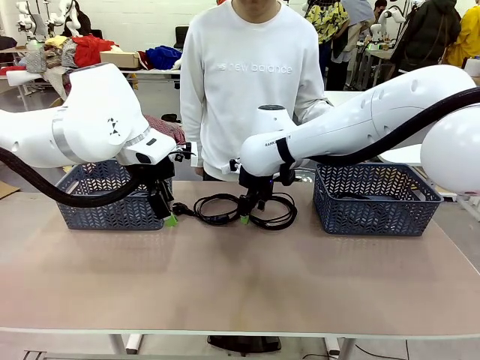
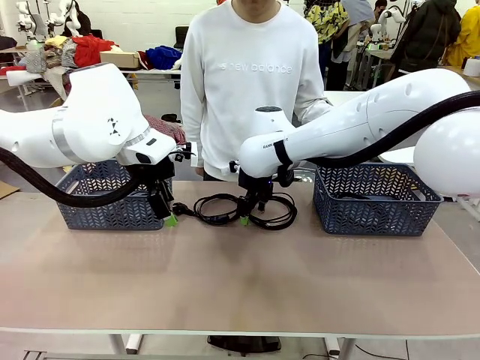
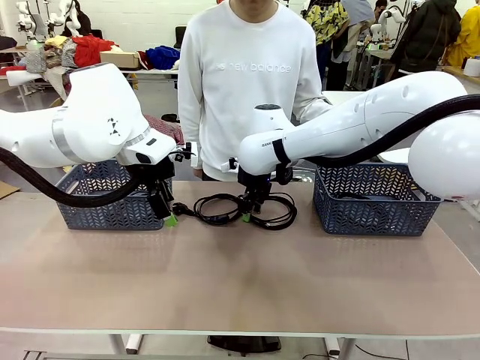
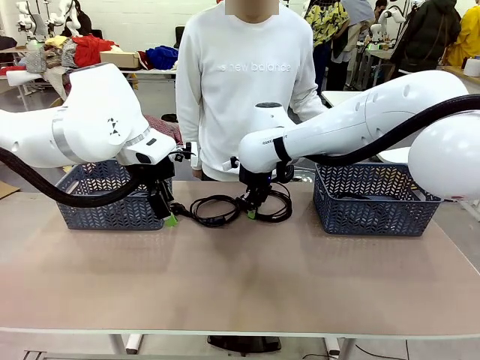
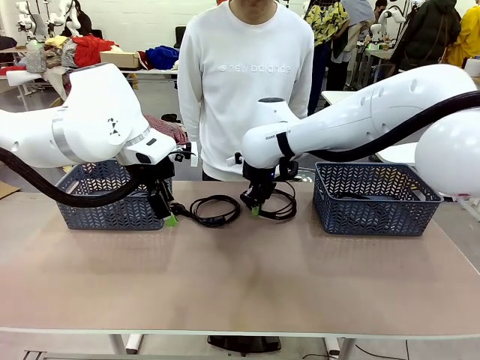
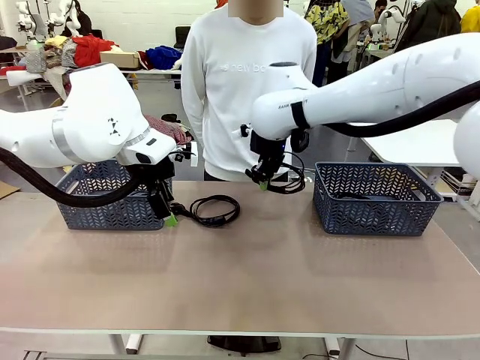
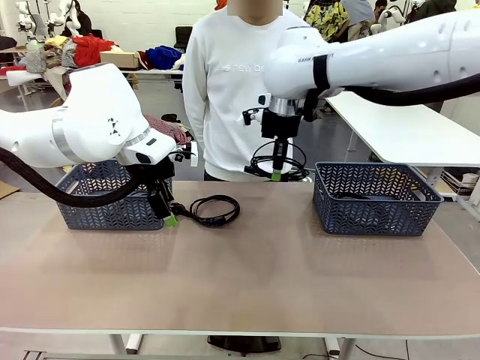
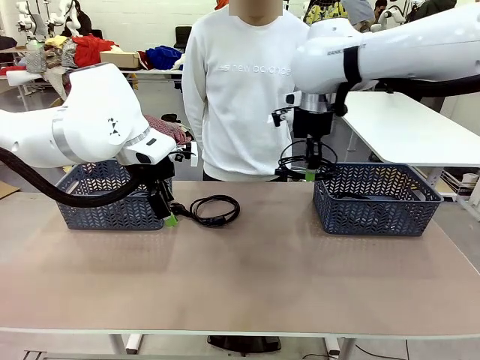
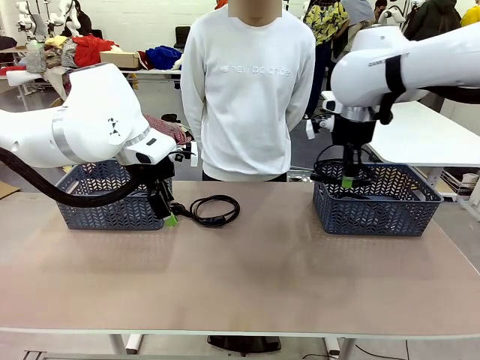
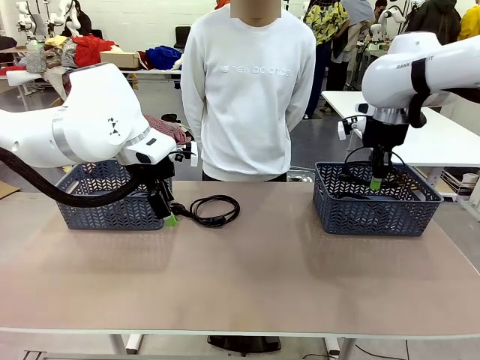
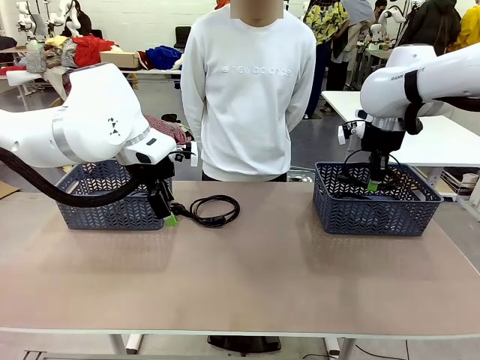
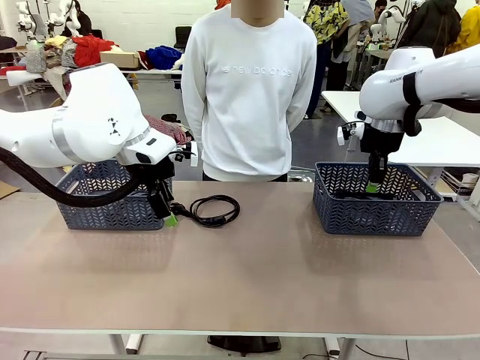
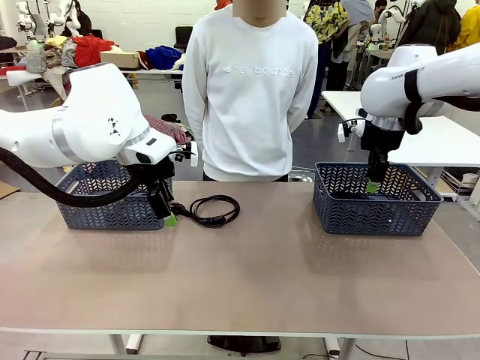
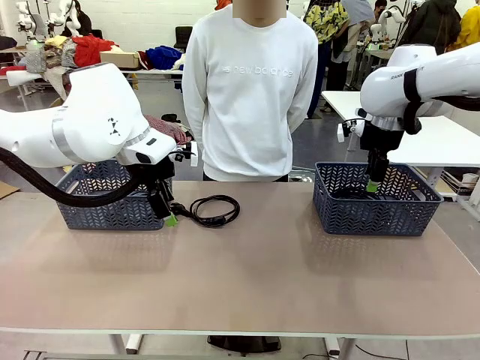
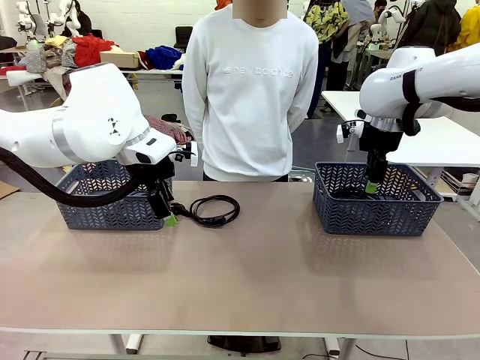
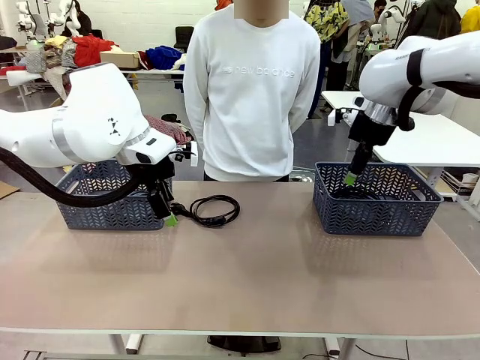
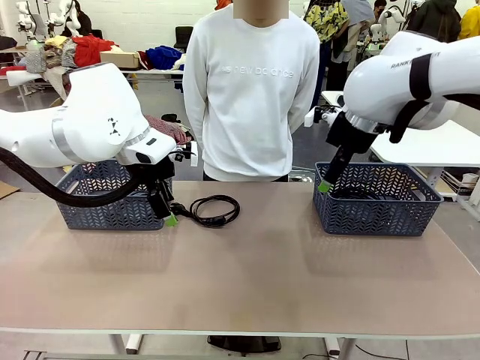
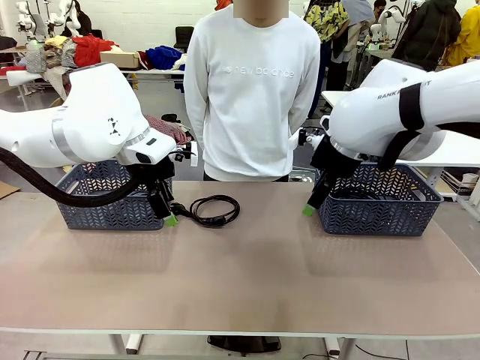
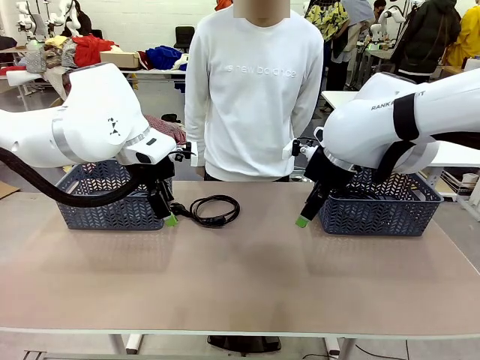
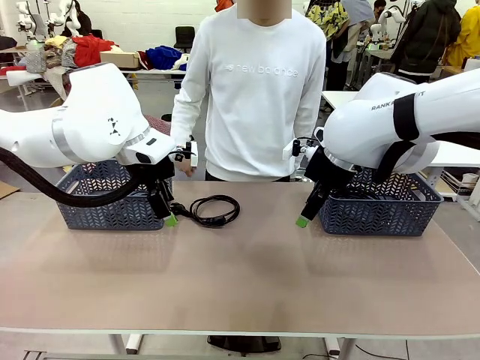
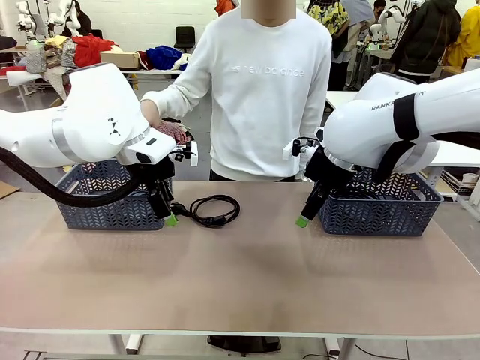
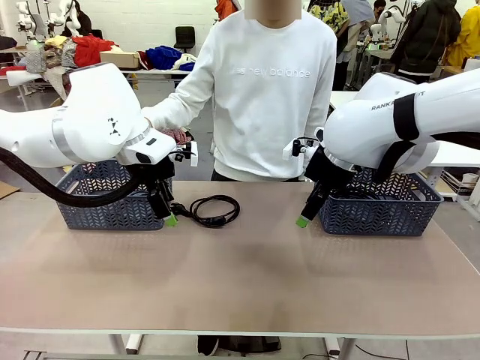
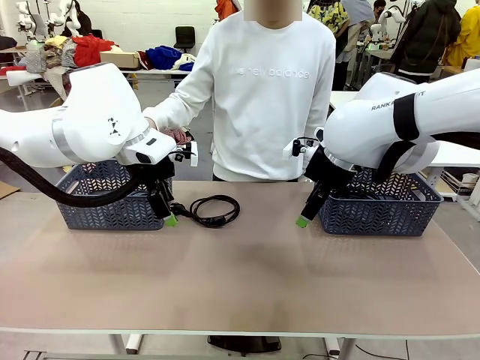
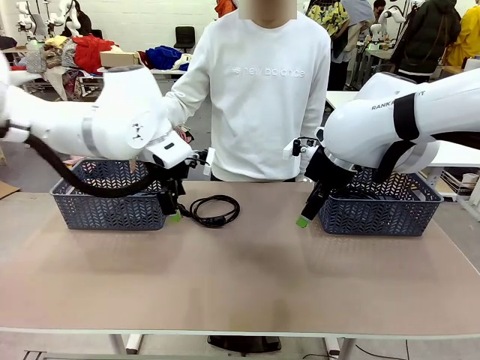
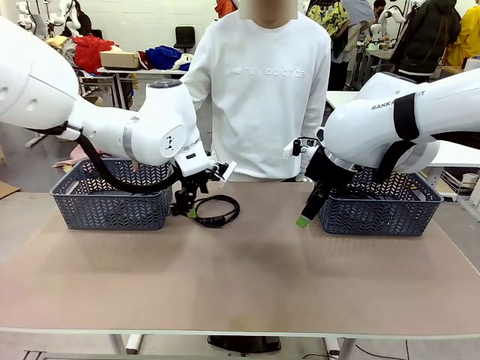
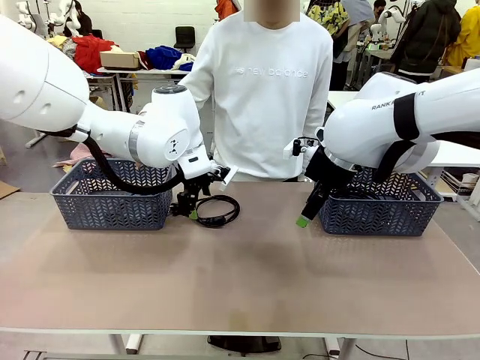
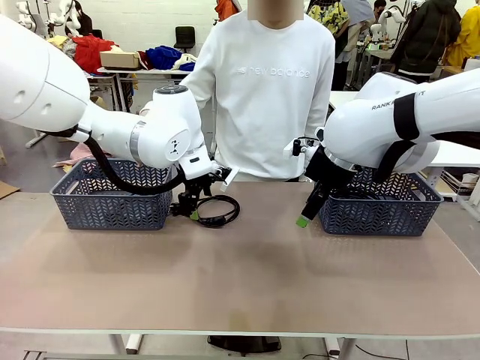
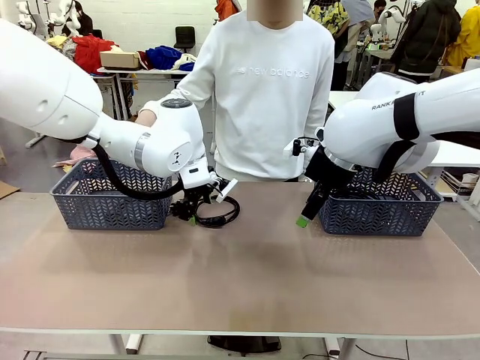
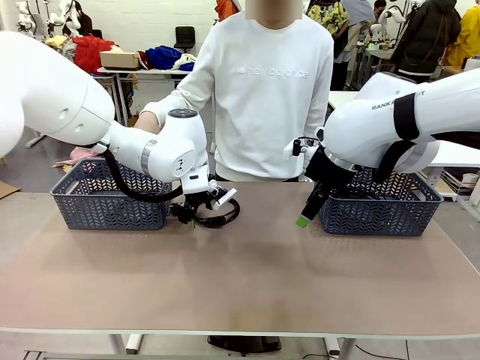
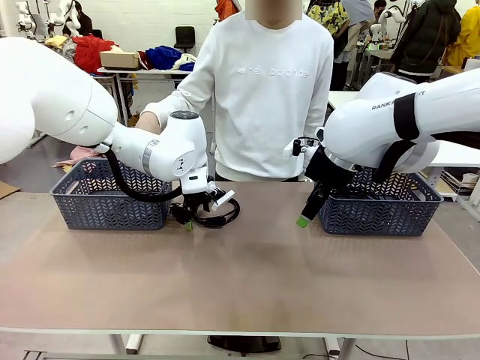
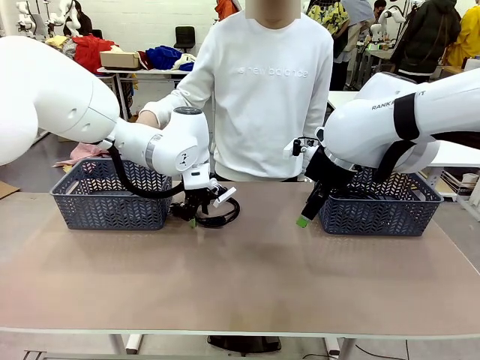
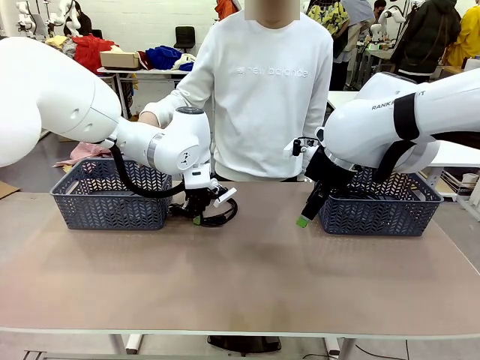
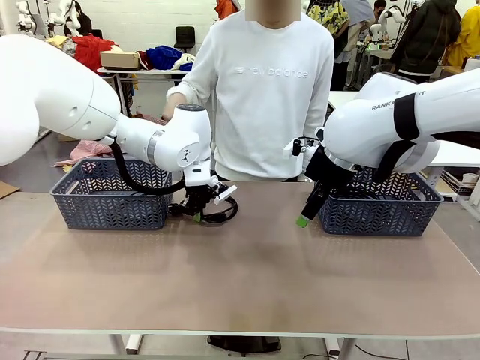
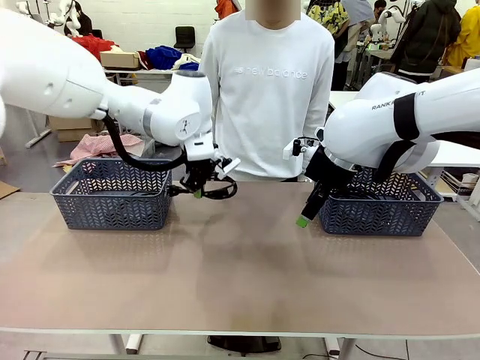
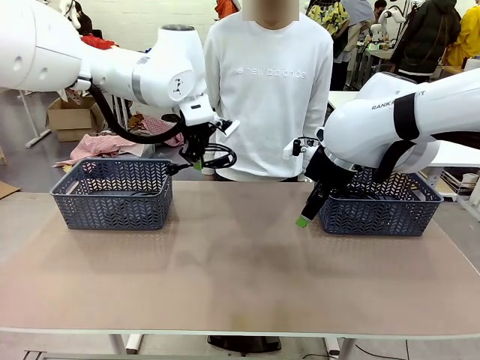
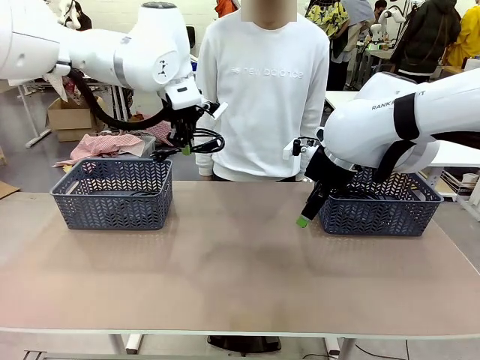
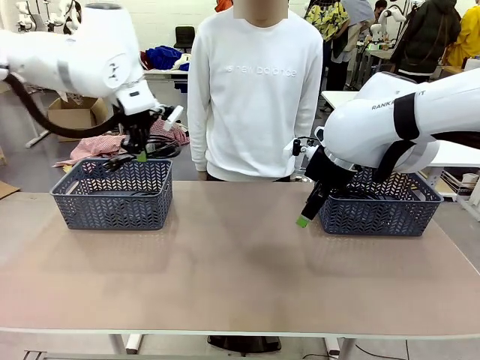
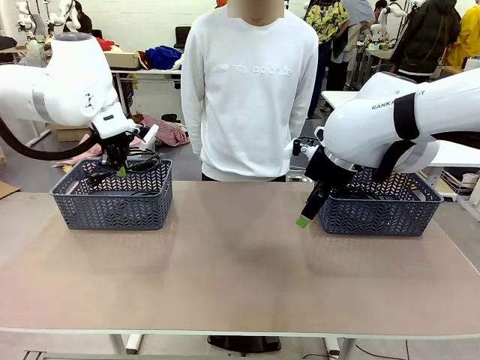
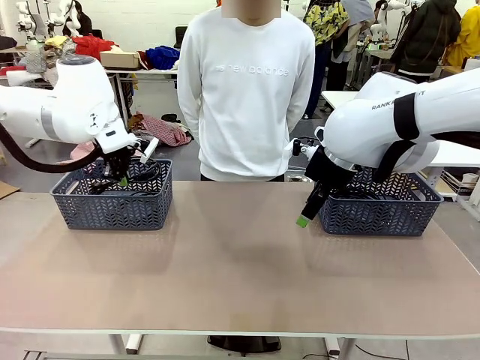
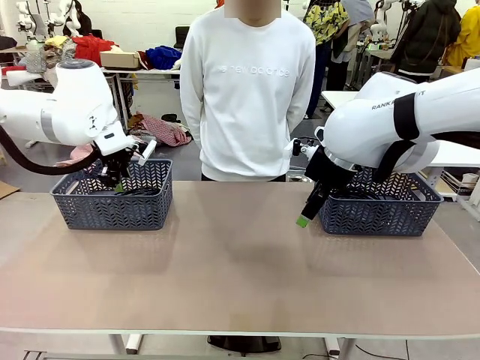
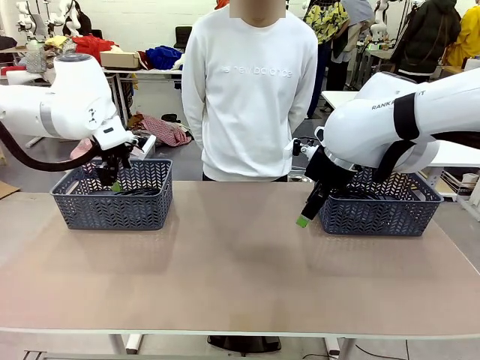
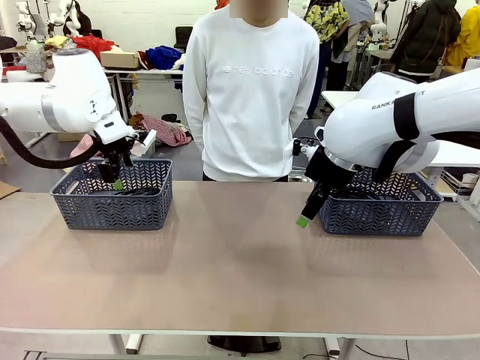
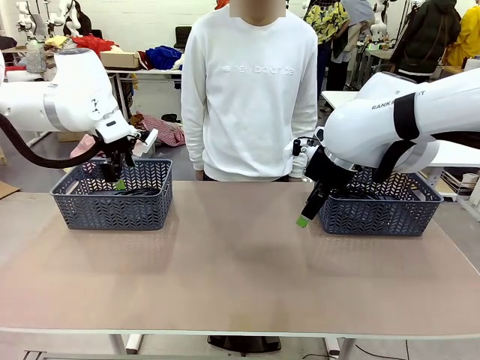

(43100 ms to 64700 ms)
Task: Organize the cables according to human instructions.
Robot: Pick up a bundle of cables and place it in the basket indicated by the human.
